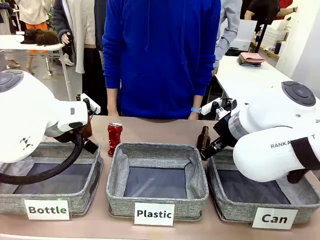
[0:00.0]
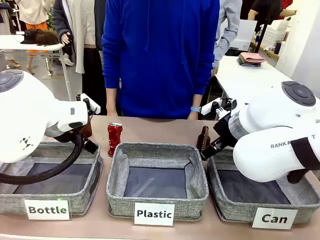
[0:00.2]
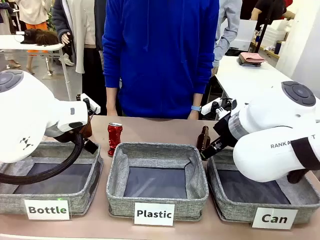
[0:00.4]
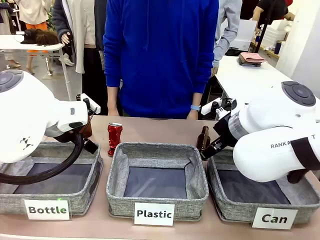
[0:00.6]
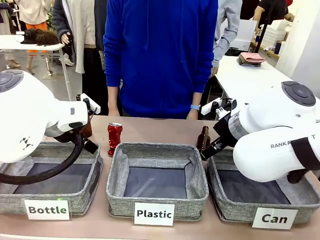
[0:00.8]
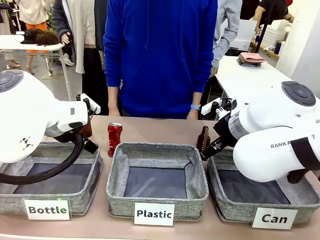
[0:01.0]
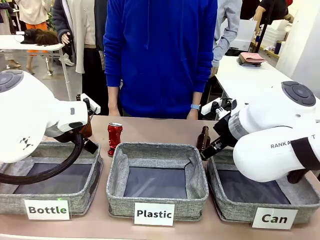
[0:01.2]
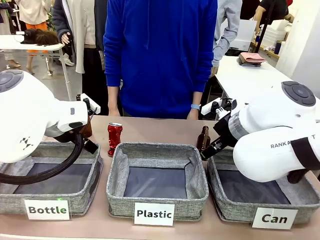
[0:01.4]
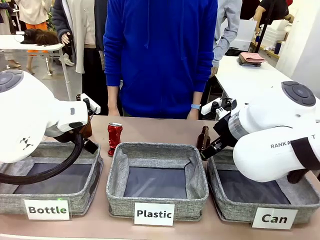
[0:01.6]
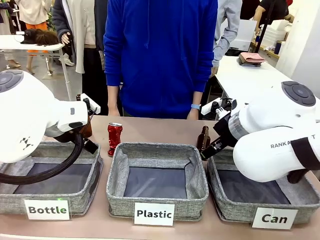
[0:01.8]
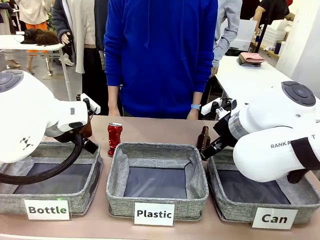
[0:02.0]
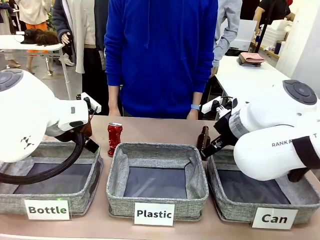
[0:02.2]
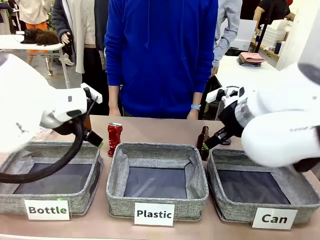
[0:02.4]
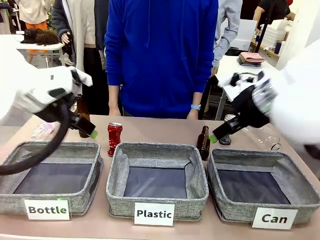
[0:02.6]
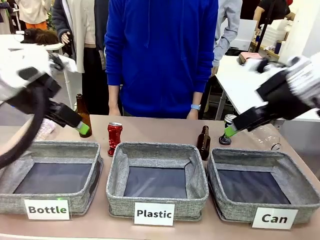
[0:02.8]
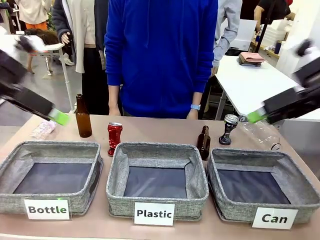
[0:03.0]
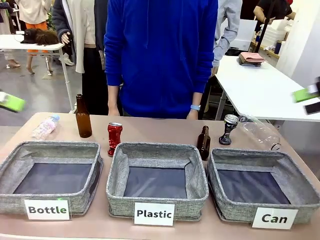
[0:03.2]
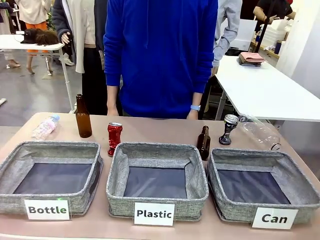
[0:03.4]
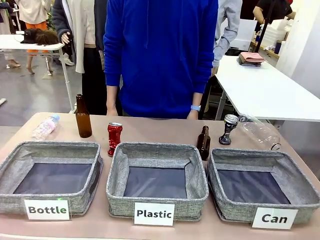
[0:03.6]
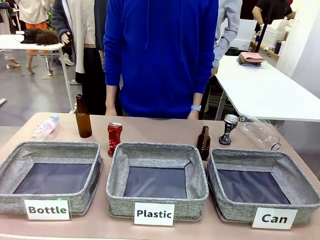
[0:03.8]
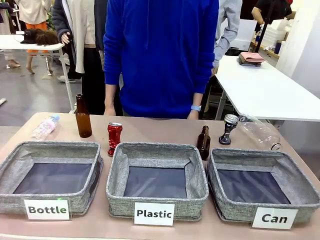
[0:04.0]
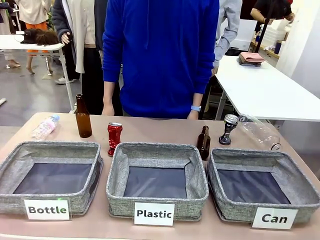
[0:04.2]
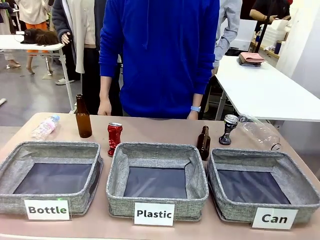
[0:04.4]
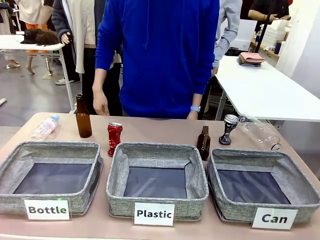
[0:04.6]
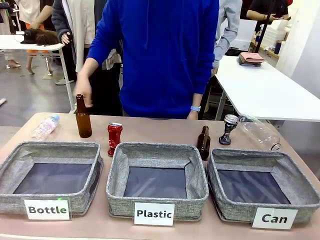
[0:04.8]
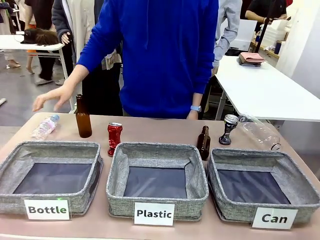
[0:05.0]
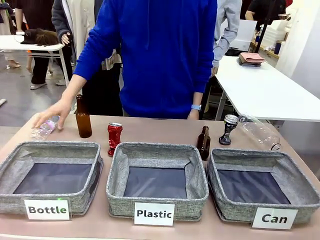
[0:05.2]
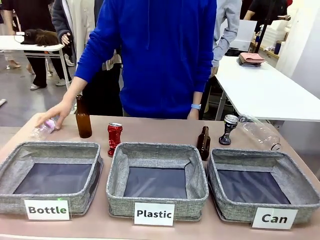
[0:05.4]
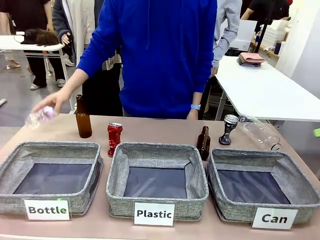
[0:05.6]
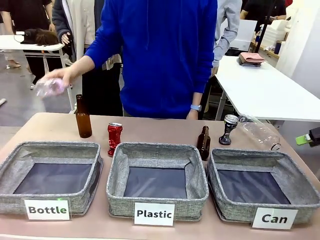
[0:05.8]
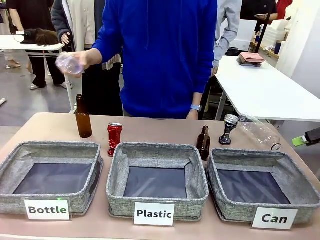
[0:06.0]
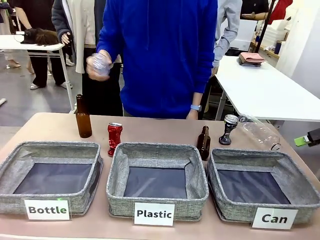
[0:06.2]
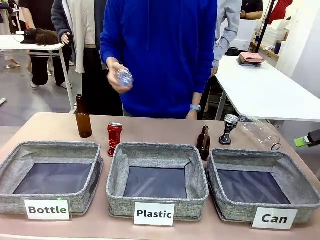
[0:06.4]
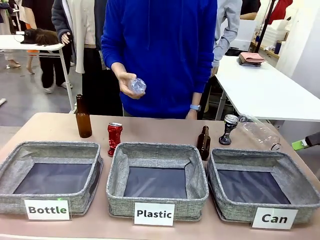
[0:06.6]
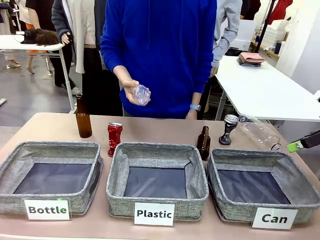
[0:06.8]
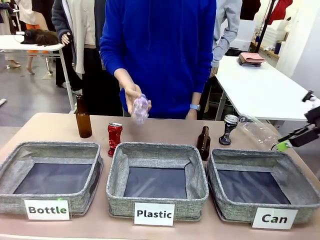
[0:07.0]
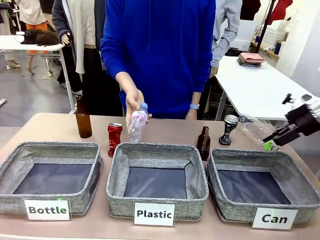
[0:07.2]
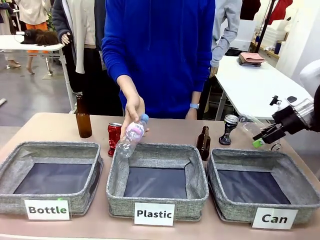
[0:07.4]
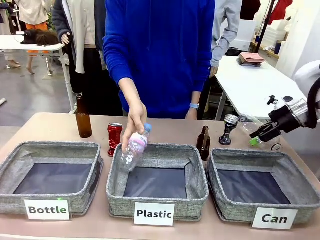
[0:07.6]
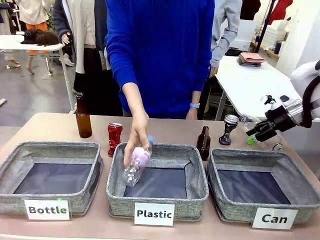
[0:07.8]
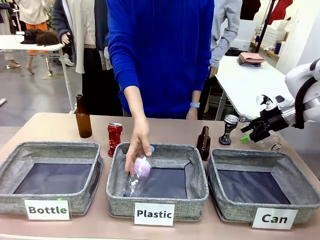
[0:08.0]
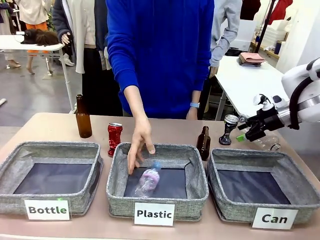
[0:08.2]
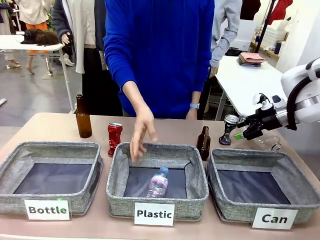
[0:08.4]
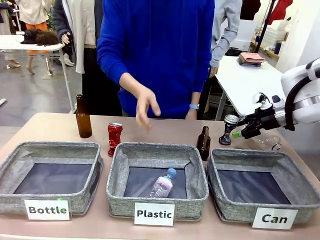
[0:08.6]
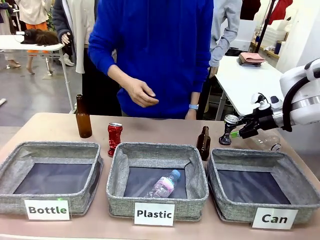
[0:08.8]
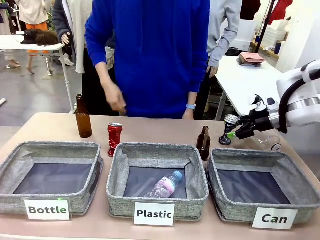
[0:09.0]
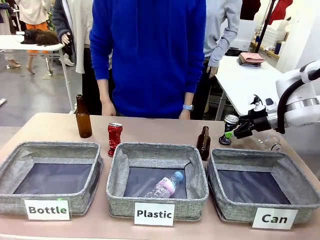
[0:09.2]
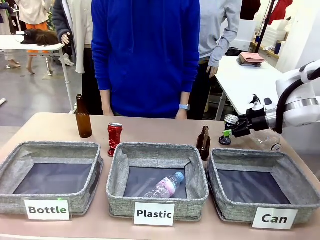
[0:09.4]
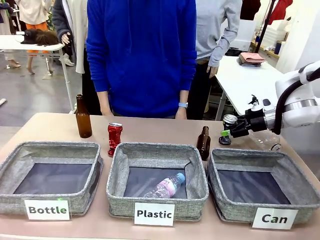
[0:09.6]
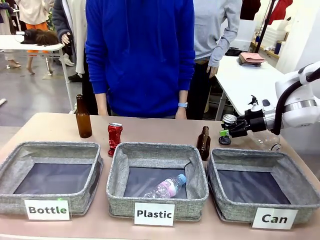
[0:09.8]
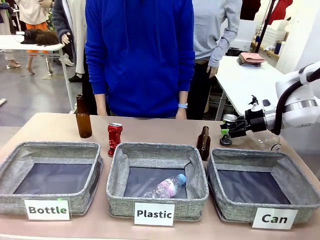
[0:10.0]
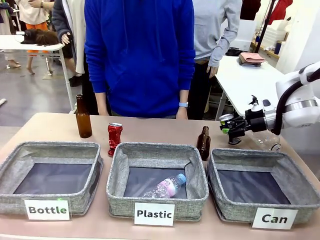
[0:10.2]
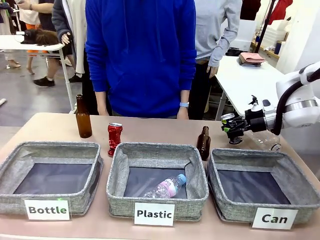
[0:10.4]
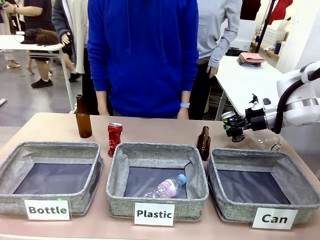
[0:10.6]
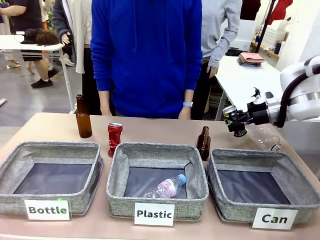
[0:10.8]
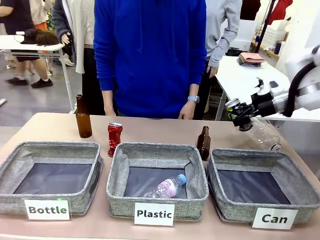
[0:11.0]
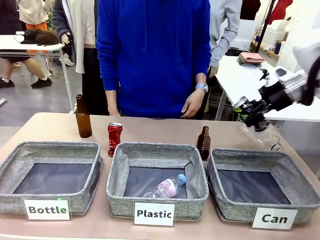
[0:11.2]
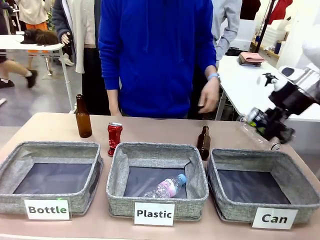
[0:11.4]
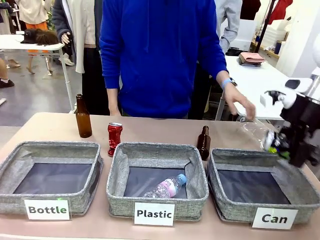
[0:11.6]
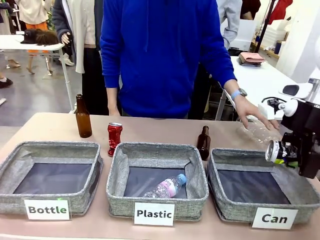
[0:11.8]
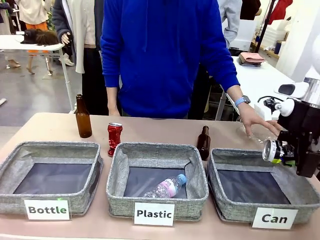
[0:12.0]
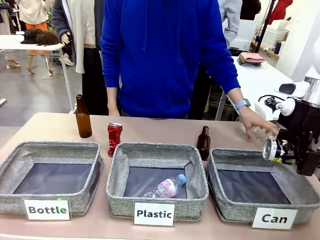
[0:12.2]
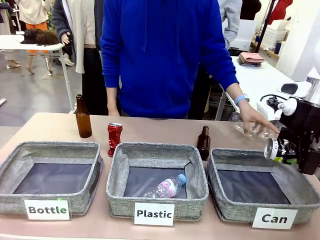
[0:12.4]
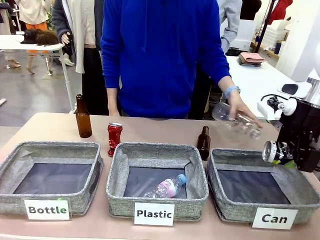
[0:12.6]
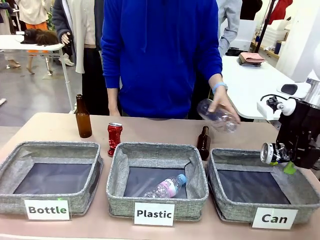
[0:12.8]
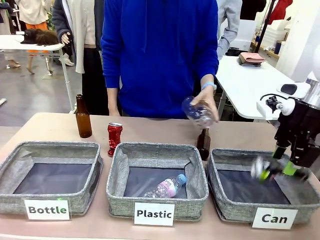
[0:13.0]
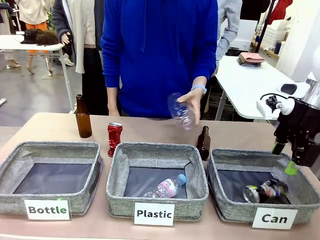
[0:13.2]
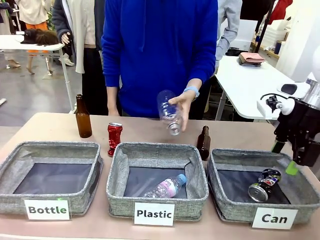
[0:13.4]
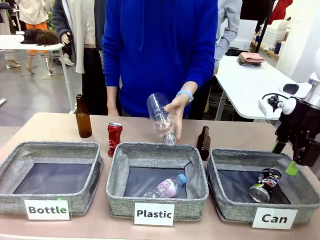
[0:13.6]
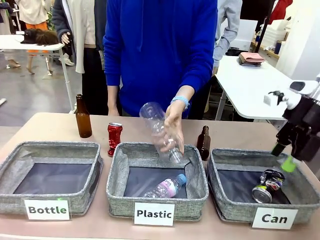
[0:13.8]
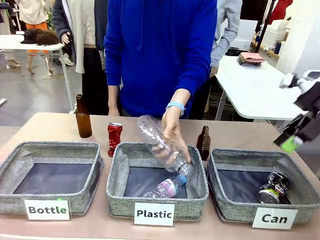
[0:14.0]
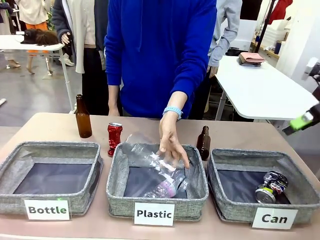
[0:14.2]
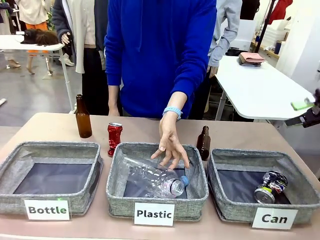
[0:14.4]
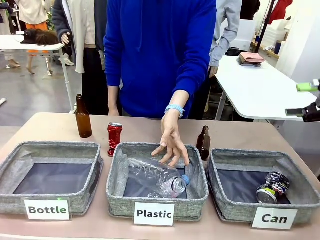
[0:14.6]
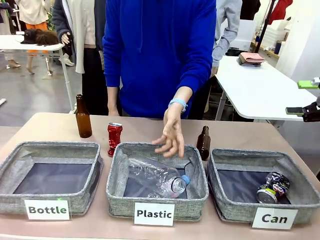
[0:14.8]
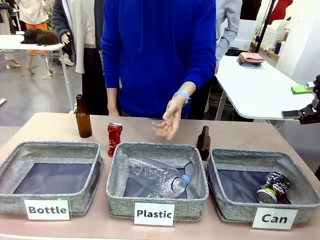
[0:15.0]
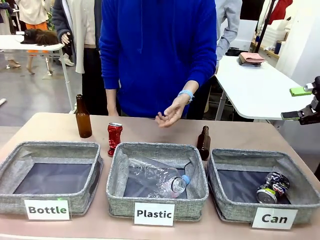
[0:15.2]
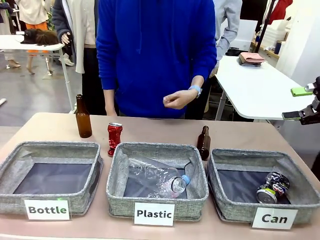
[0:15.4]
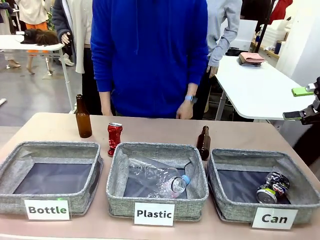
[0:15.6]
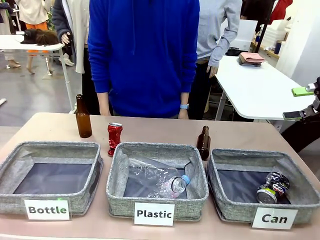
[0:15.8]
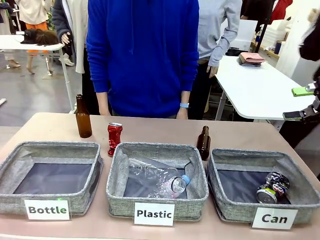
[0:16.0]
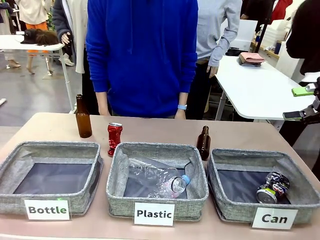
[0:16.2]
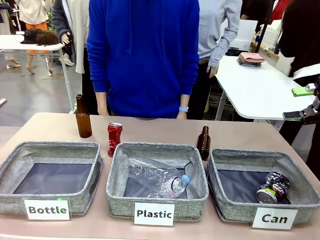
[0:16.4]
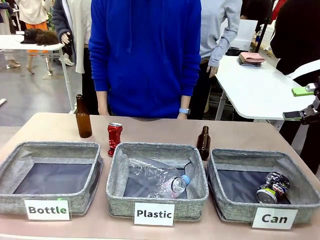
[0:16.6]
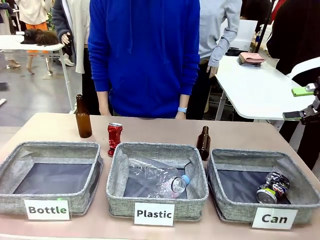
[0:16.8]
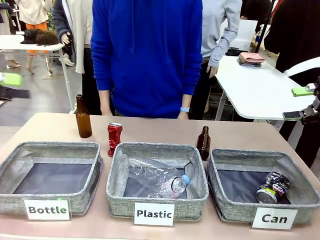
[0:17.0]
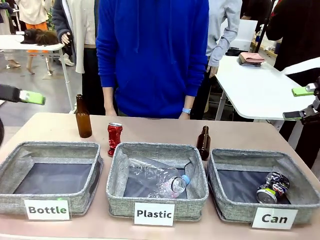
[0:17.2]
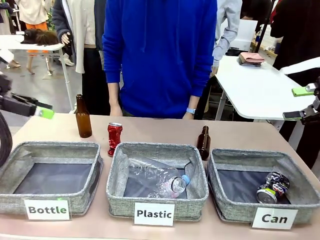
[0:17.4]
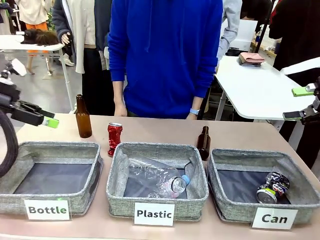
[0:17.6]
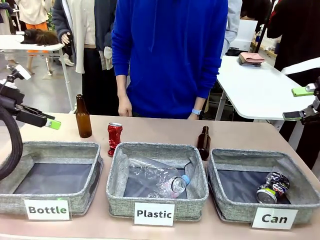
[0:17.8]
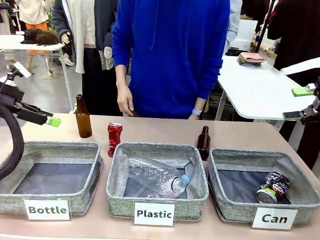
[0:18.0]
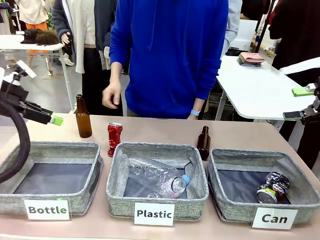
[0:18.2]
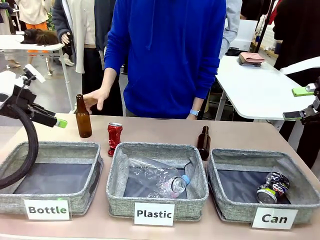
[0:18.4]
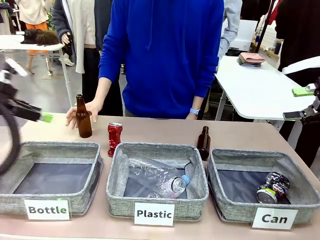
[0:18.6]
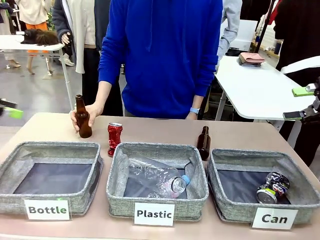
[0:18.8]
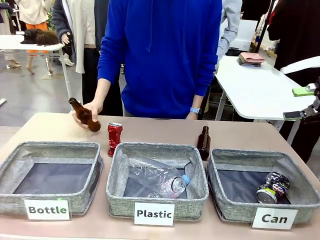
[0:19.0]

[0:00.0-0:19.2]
Task: Sort the can waste into the basket.
Robot: Pick up the can waste from the table and place it in the right Fabric basket.
